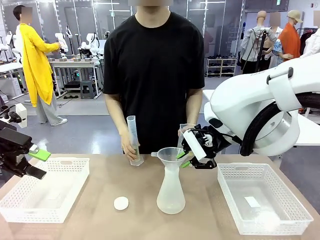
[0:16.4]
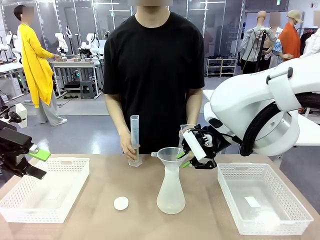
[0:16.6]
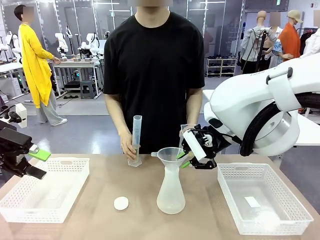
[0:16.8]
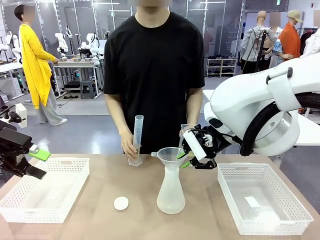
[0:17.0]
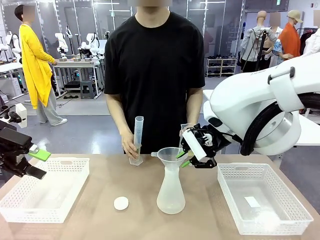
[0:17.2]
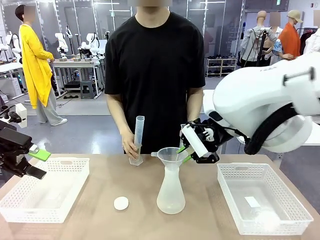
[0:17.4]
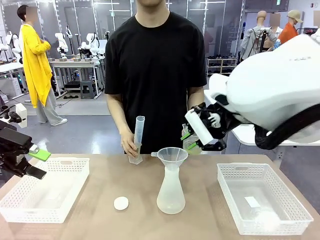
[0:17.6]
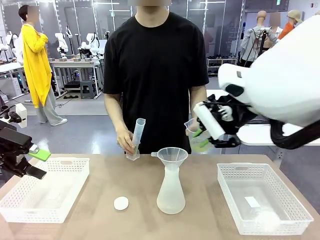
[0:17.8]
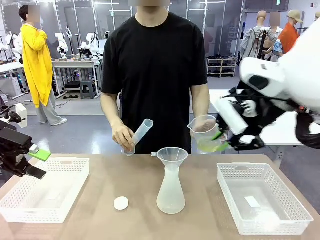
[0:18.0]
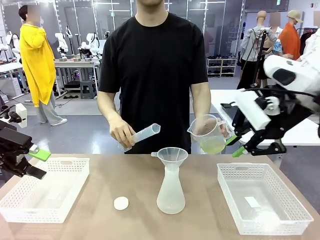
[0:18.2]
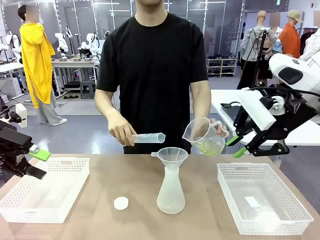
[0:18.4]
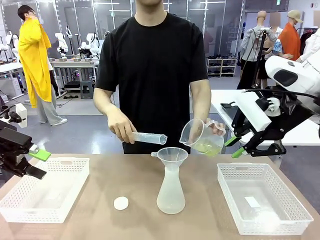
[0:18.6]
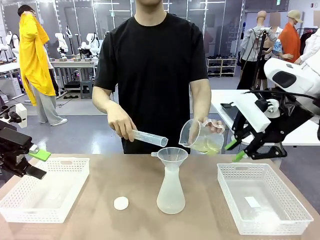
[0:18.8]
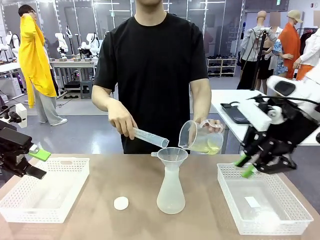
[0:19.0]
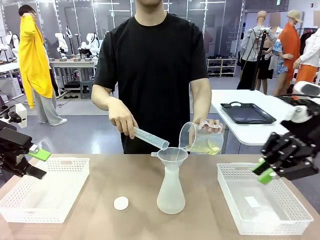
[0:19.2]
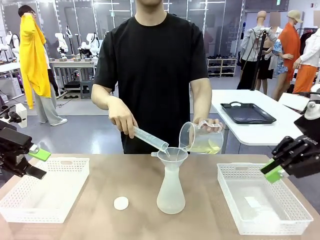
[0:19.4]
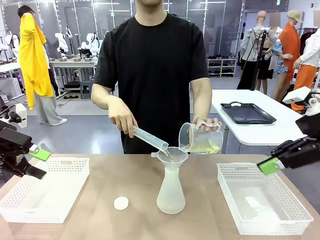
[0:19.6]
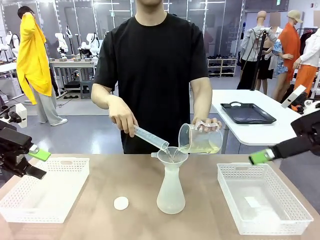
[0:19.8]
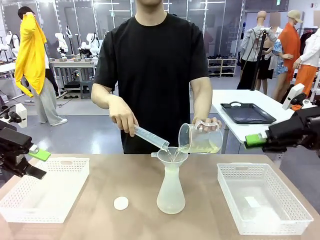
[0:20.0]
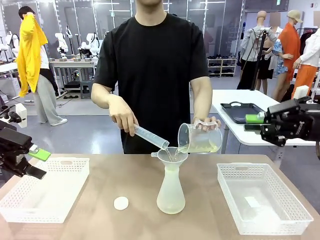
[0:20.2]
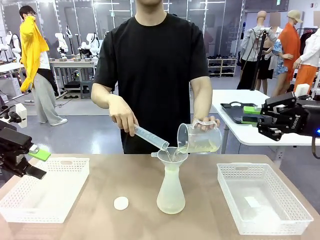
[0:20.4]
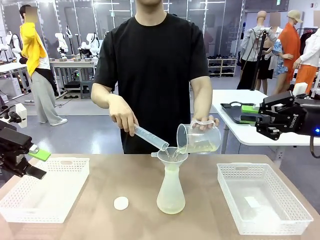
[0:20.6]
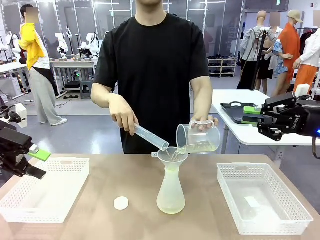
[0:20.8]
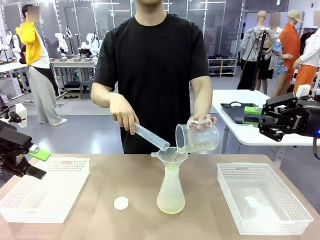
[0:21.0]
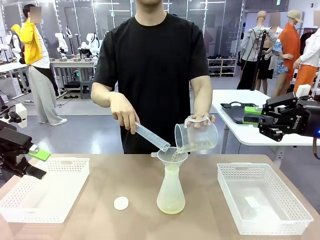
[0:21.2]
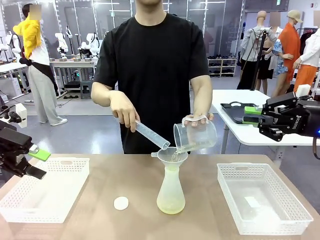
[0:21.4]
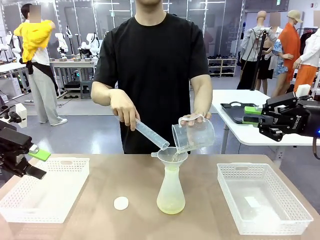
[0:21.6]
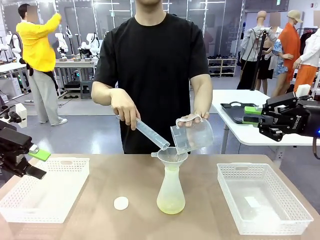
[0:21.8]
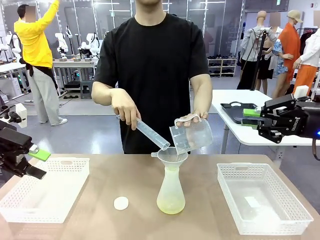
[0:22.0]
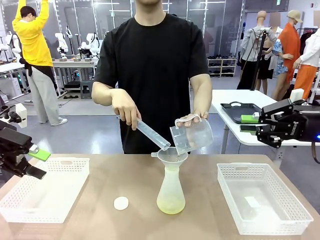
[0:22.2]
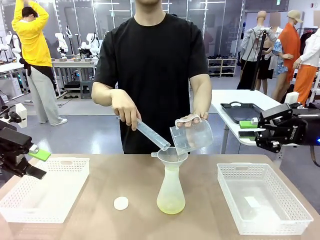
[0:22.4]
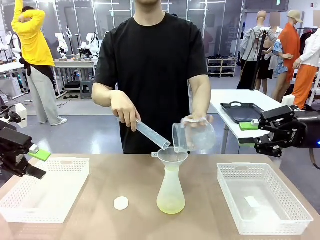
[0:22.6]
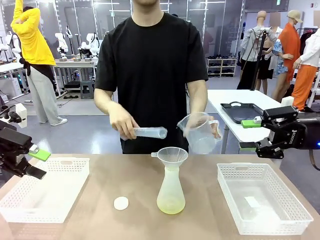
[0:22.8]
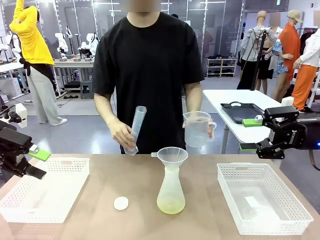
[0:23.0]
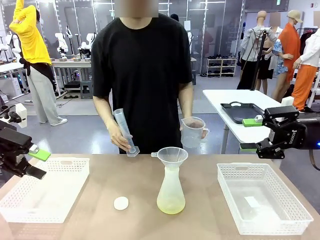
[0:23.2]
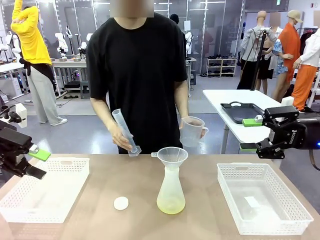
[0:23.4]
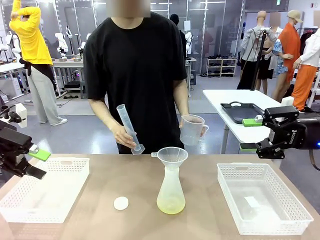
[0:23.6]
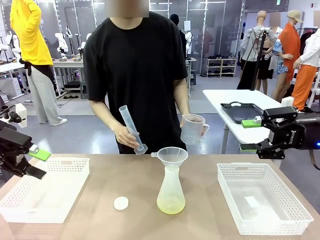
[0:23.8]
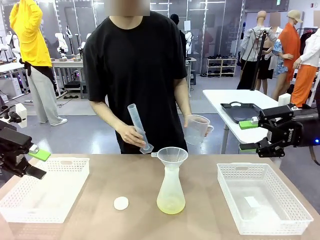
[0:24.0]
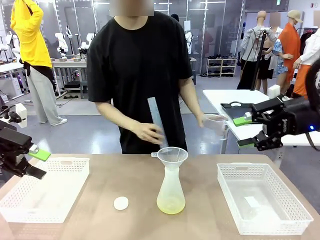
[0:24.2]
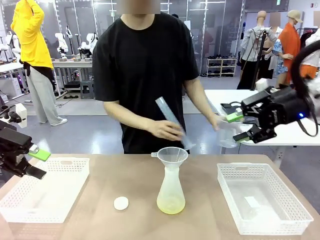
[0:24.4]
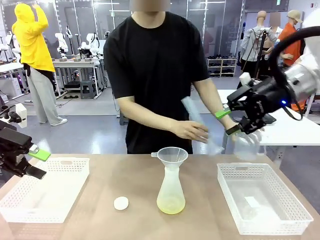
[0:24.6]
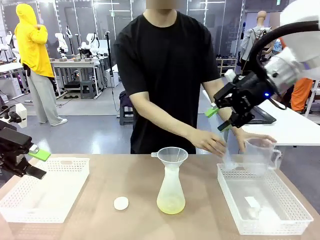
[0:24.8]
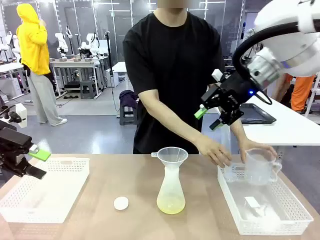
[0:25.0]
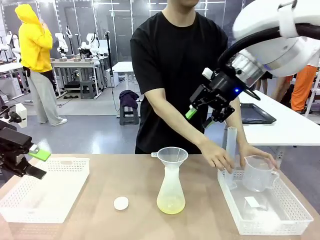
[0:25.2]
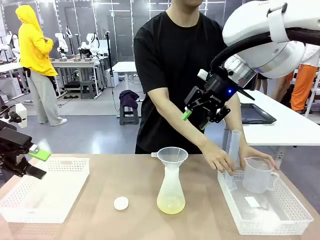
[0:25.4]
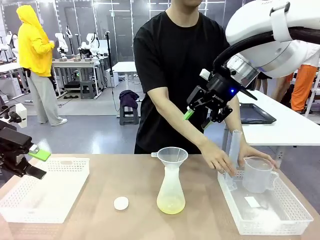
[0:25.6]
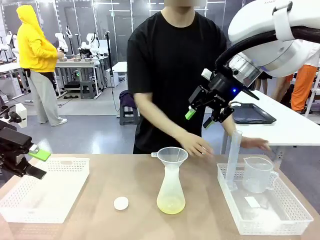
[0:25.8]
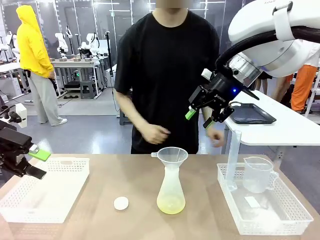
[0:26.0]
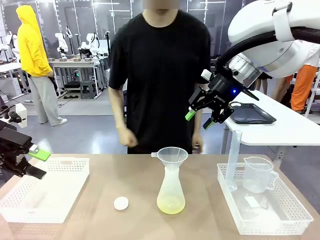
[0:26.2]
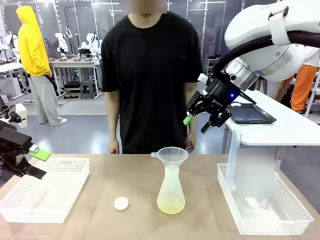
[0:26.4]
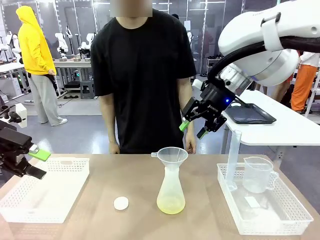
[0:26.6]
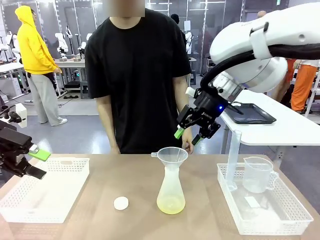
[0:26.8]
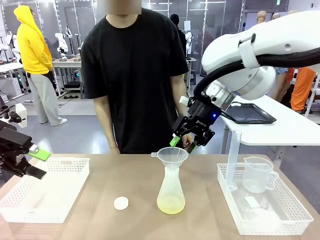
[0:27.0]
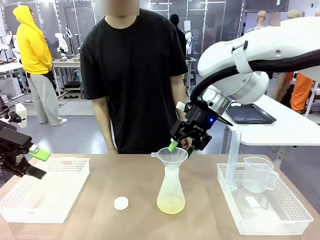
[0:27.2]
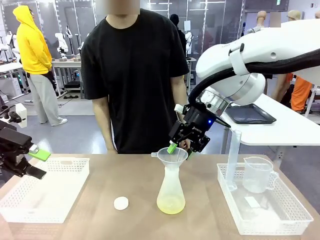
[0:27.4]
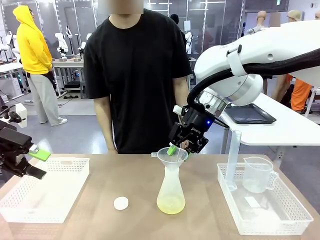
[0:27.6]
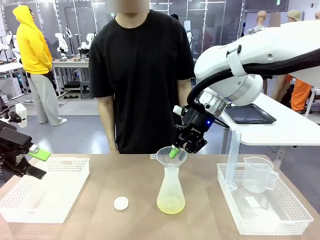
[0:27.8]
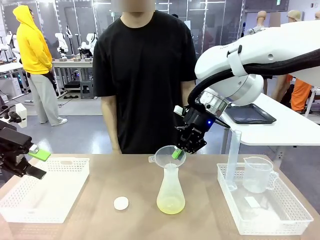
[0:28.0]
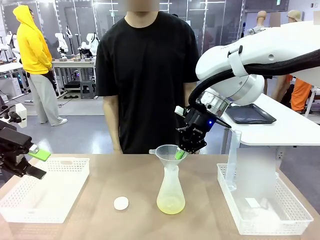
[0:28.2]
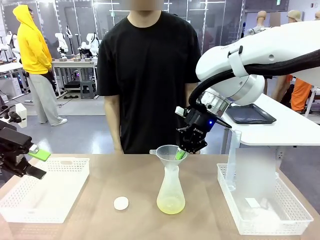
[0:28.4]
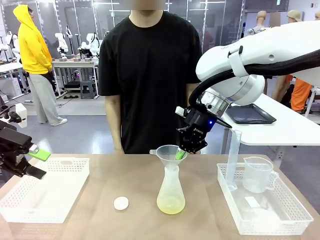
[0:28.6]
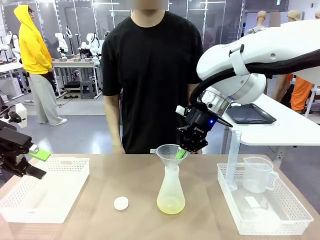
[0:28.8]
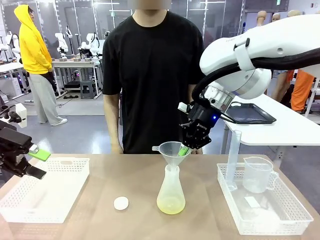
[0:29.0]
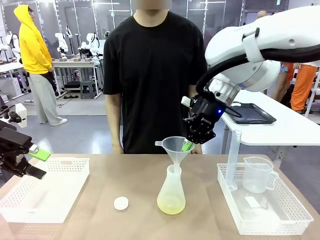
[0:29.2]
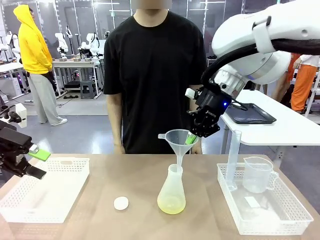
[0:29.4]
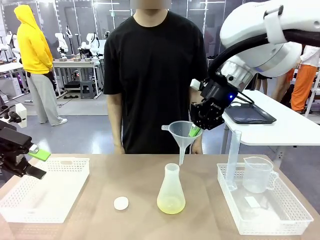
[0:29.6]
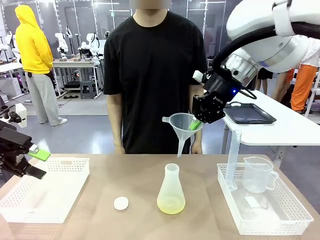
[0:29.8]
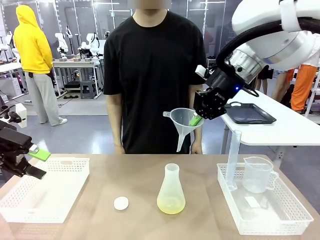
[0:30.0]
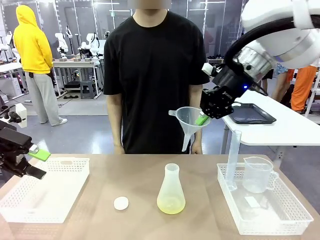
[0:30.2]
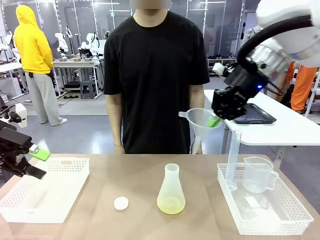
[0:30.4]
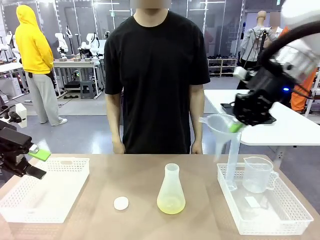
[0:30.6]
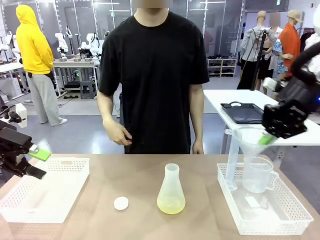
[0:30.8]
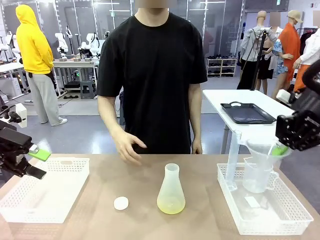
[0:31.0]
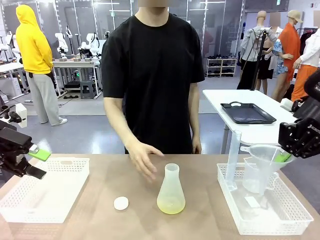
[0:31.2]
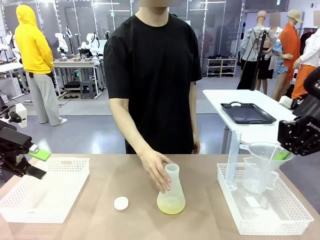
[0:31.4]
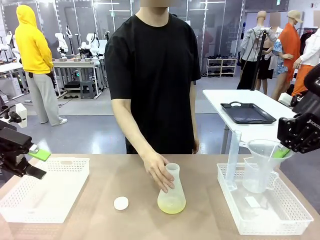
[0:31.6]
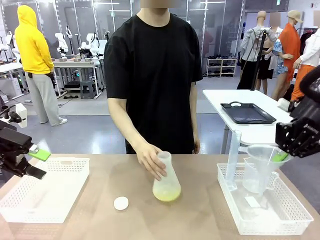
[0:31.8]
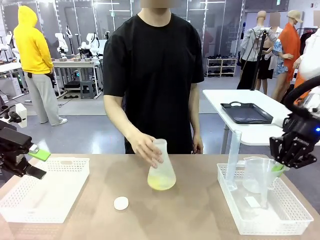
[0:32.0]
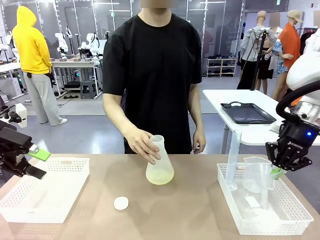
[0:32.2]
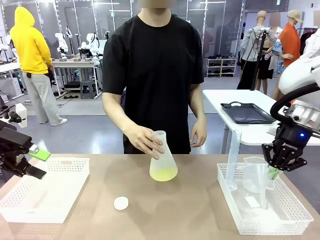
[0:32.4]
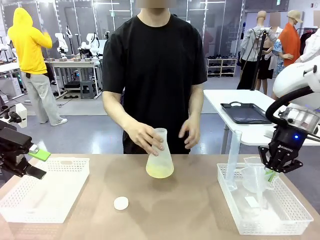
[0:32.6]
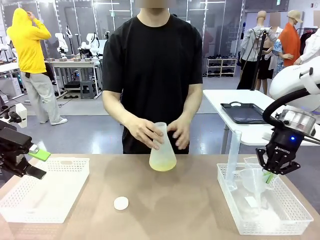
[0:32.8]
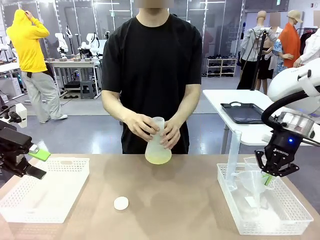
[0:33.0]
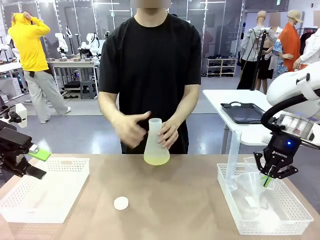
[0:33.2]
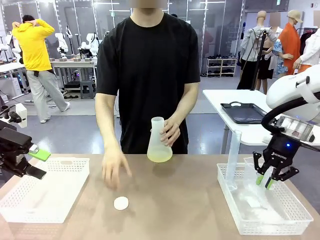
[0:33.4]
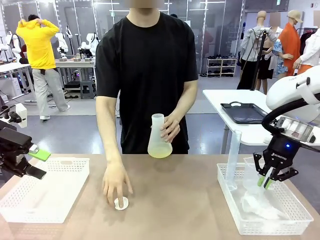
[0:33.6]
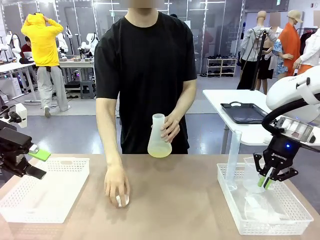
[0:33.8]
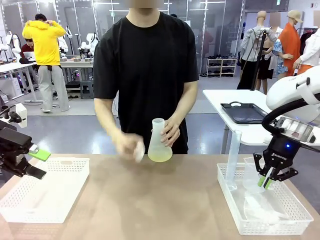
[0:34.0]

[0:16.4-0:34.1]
Task: Prepare the solutions needed for the experiment.
Robot: Once the solution is in the Big flask , pick up the Plastic Funnel and place it back into the right Organizing basket.
Person: Pour the solution from the beaker and the cylinder into the flask. Place the beaker and the cylinder into the organizing basket on the left side. Pick up the flask, gently shake it 2–3 times, place it in the middle of the robot table, and close the lid.
